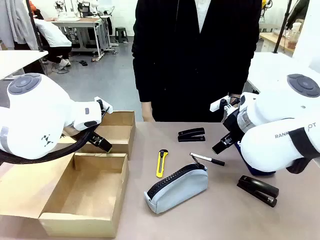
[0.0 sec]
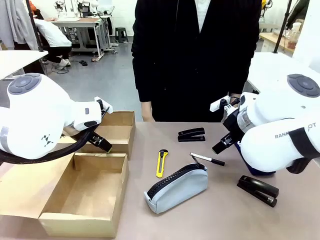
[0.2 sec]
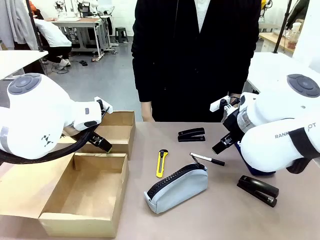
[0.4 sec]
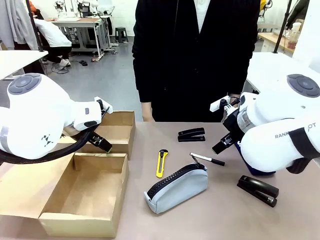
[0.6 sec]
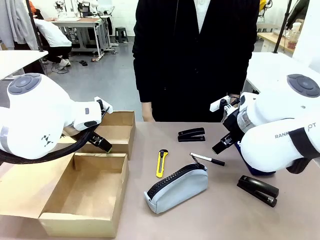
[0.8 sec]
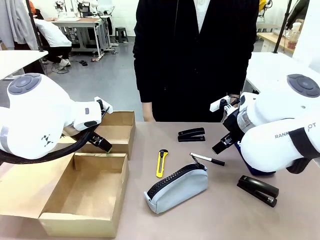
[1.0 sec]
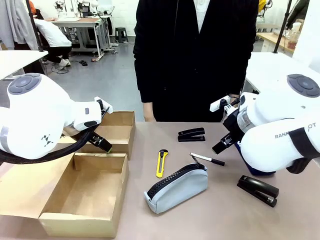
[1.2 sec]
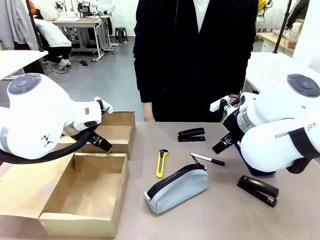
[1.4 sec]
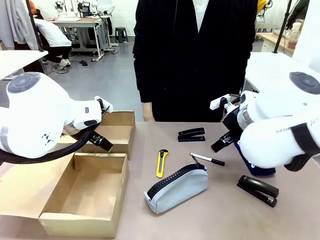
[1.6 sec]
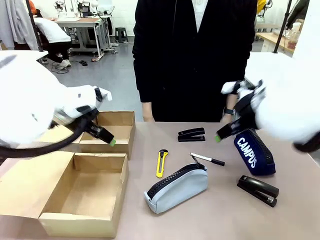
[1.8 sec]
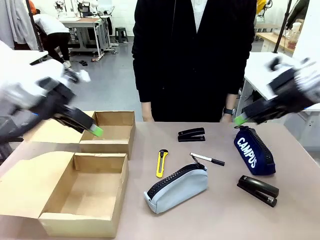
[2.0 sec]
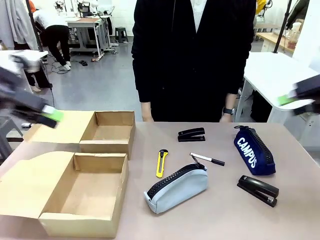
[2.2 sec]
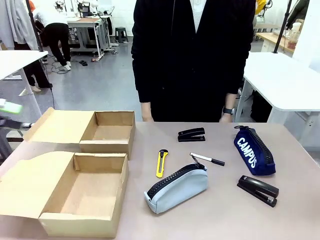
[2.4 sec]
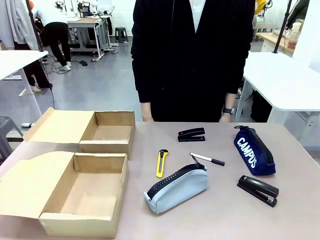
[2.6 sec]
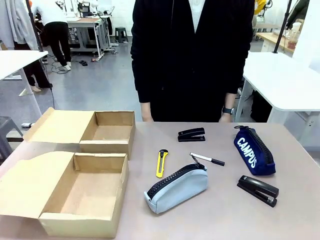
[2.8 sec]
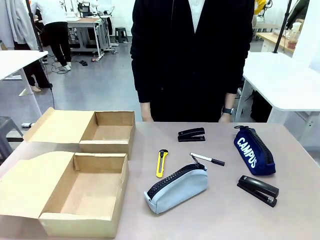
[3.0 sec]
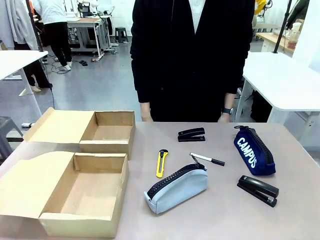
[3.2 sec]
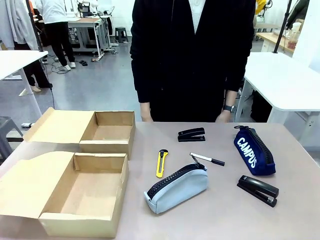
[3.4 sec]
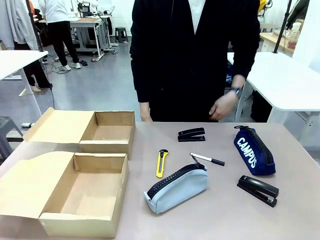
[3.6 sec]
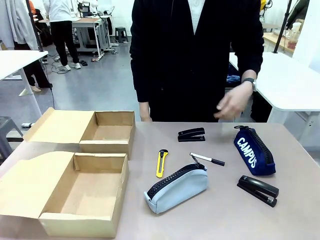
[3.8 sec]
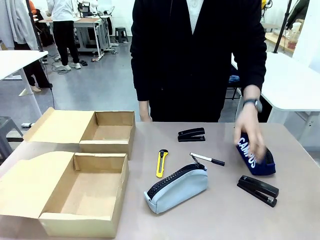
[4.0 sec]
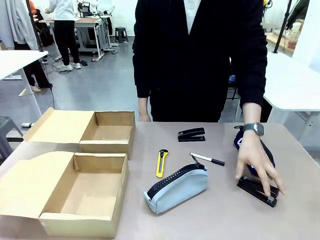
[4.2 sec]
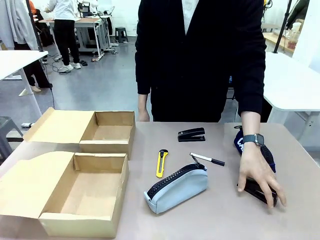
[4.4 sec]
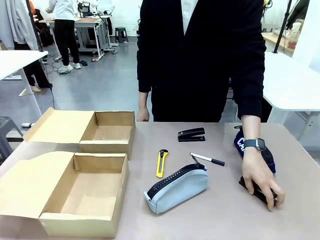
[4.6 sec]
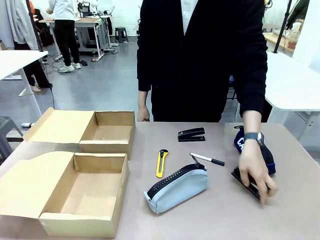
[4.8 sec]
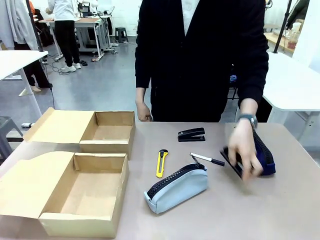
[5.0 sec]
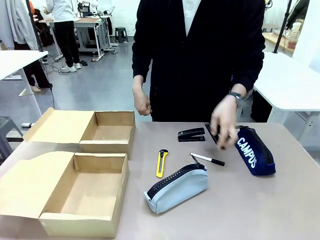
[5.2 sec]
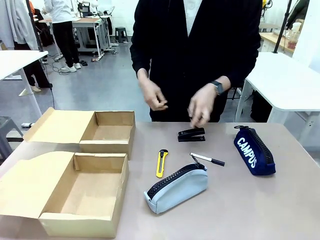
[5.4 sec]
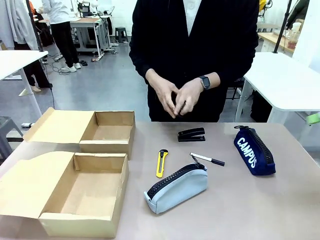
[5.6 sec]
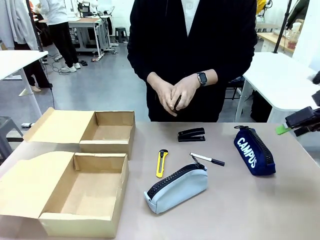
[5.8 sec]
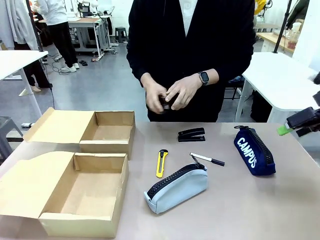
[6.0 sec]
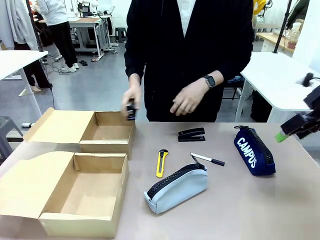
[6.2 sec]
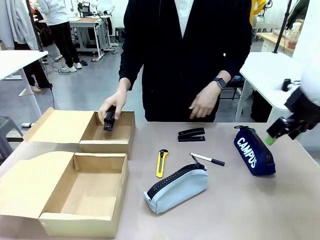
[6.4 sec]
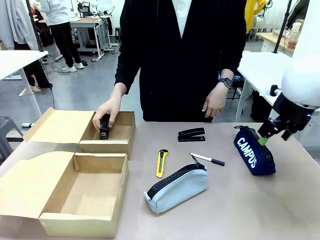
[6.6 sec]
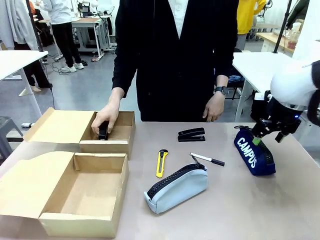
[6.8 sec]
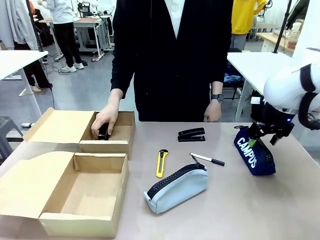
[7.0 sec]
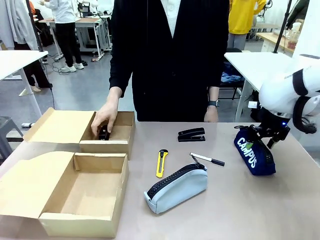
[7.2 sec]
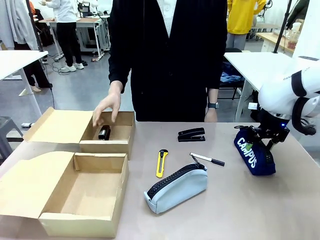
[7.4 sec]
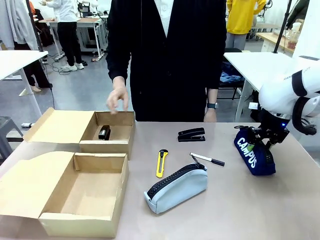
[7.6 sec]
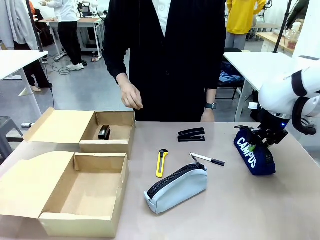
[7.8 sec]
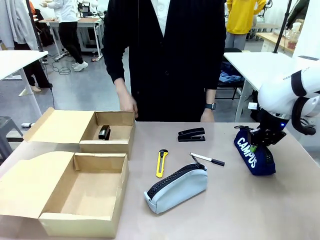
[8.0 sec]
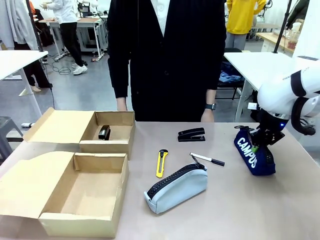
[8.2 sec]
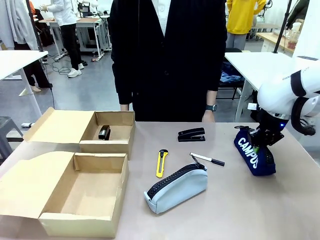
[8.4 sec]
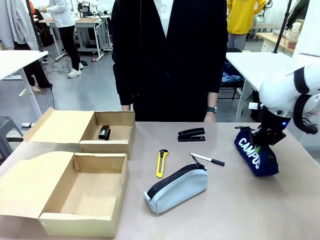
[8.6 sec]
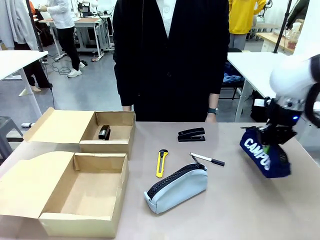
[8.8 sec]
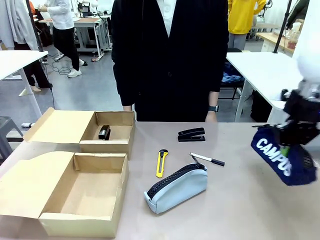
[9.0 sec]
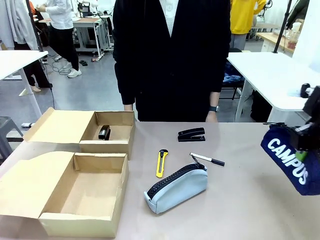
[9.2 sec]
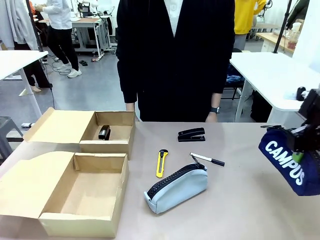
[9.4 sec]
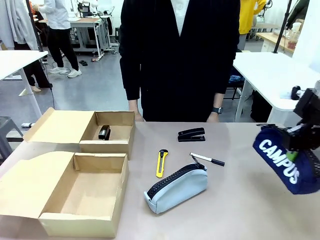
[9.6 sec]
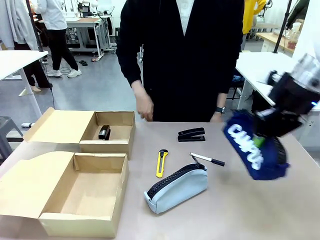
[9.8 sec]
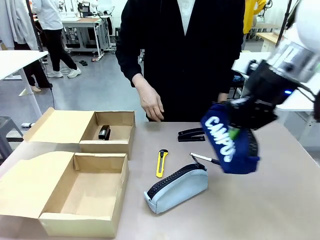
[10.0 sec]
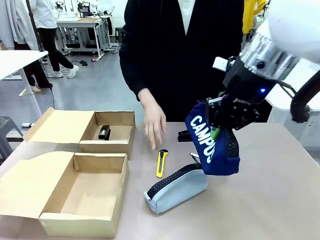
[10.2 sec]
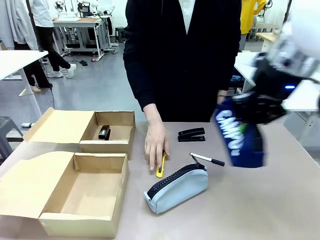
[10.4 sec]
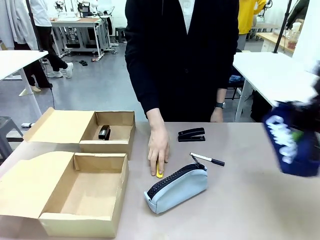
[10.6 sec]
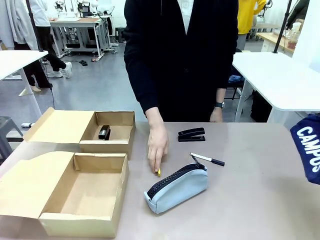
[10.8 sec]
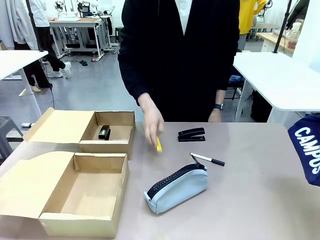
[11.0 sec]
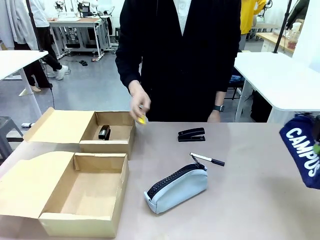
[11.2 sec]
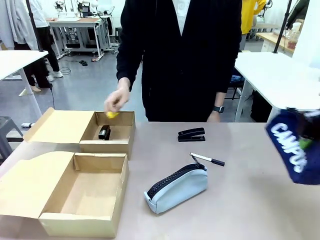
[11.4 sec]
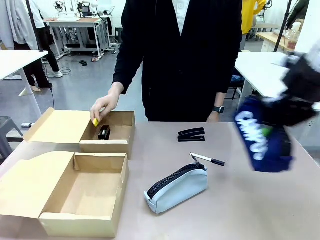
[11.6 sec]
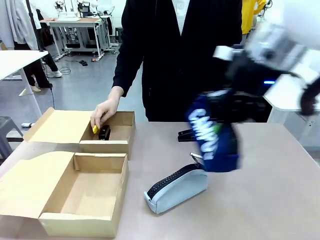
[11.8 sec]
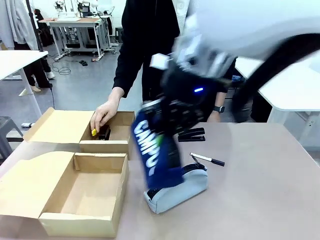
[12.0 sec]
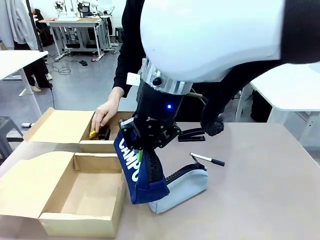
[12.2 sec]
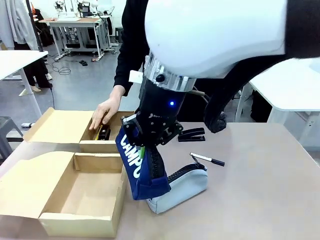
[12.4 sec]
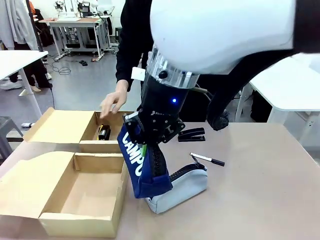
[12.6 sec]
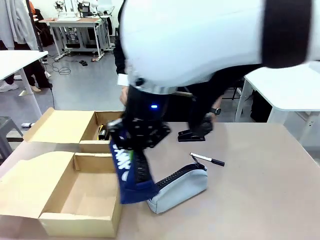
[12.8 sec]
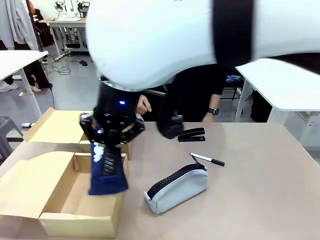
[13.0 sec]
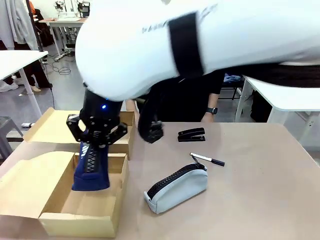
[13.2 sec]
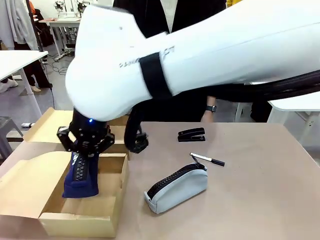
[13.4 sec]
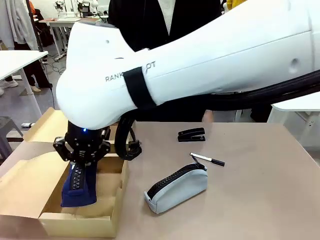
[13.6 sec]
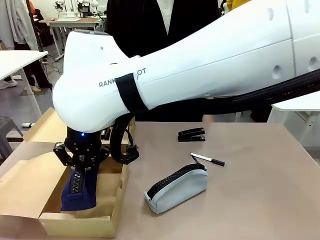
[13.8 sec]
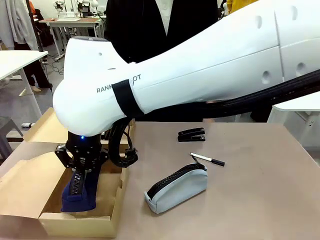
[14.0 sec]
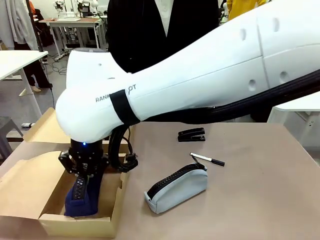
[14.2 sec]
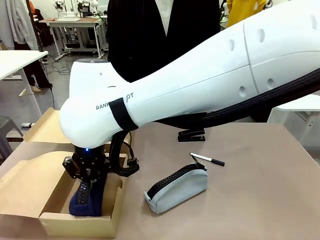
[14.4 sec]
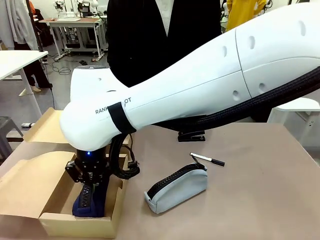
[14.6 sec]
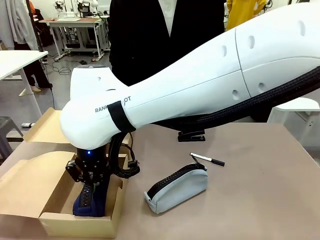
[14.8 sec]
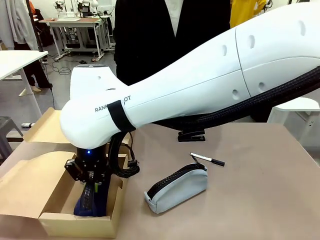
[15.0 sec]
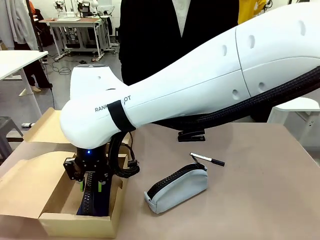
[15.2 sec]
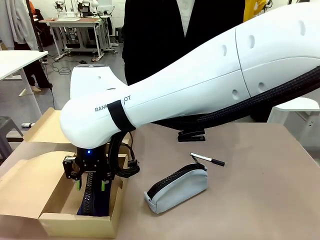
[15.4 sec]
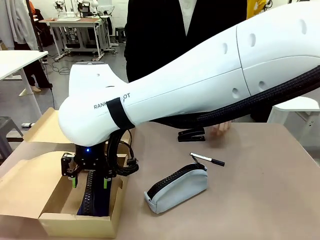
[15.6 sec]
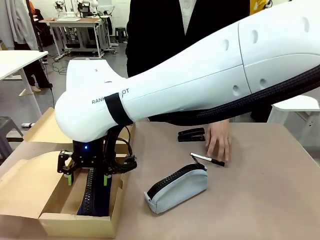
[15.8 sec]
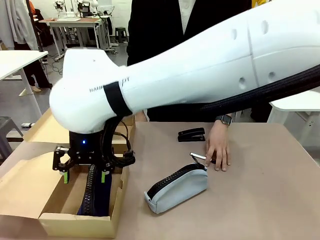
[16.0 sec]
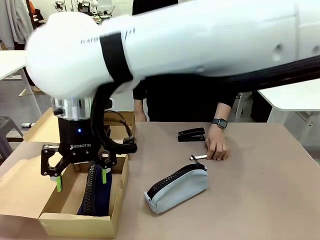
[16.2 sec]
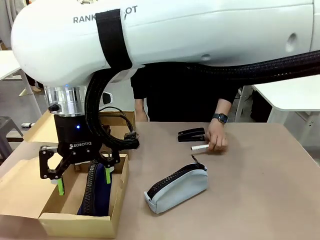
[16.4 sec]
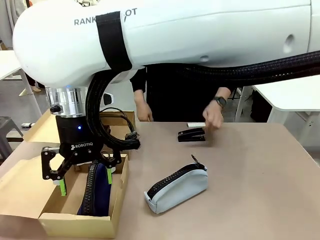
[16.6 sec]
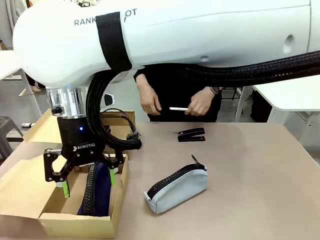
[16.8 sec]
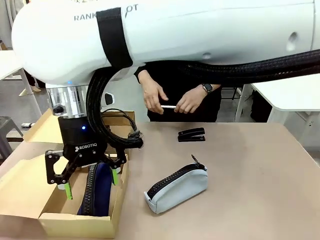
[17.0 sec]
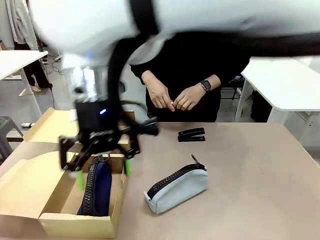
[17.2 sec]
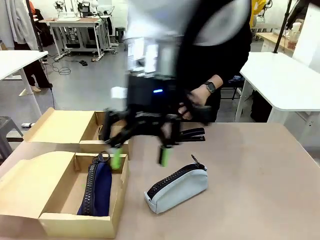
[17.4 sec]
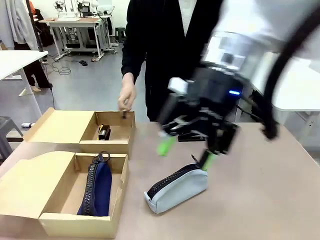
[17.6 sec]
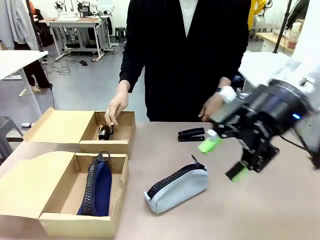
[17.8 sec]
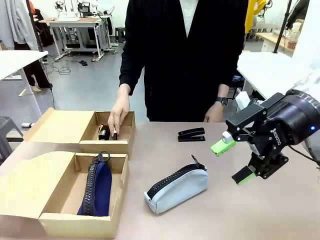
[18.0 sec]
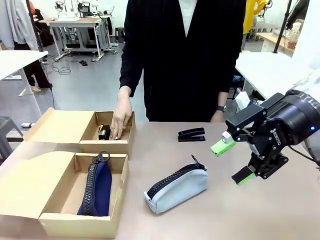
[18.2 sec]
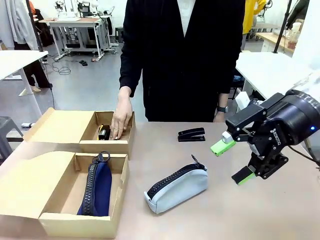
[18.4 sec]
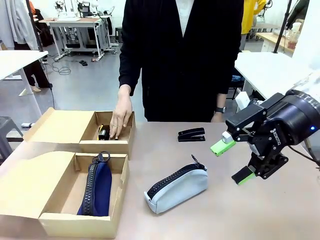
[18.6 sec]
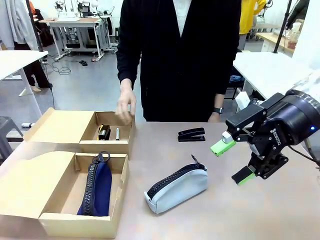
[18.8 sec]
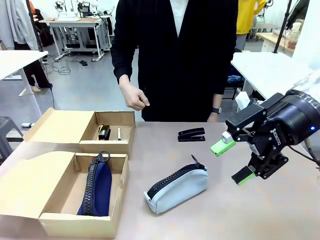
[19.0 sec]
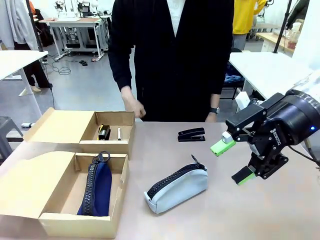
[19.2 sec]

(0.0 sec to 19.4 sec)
Task: Place items inside the box.
Robot: Pick up a Pencil pouch or Stapler and place it inside the Mailer Box closest to the robot.
Person: Pick up an object on the table and put it in the box.
